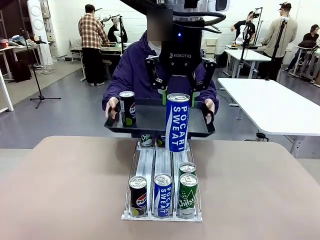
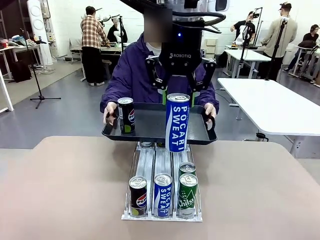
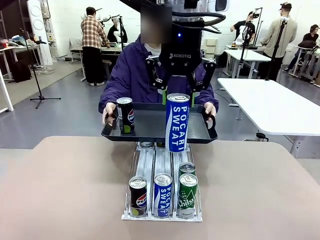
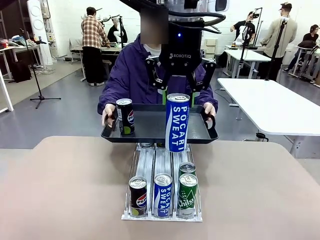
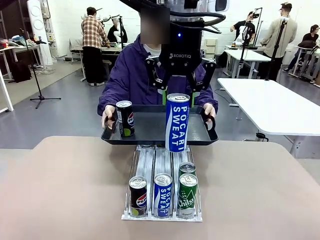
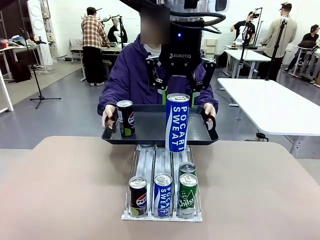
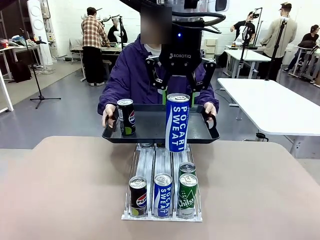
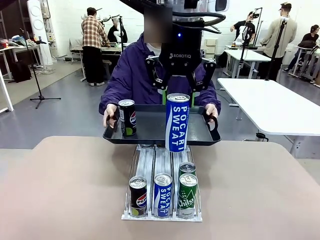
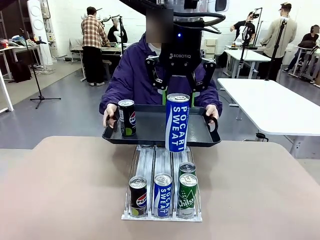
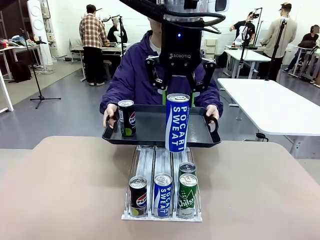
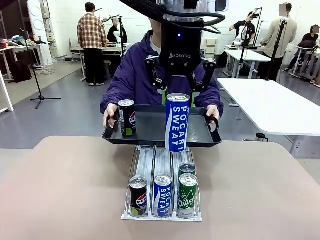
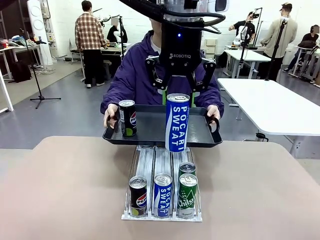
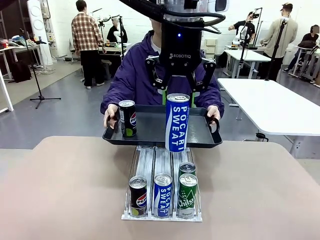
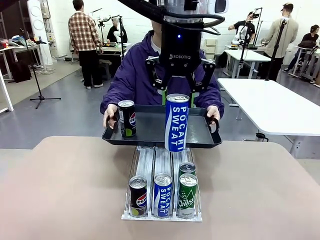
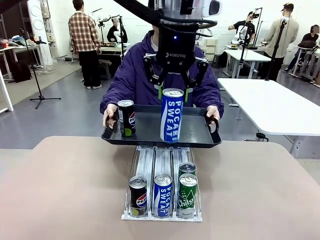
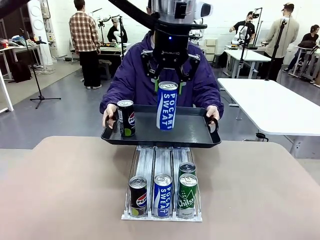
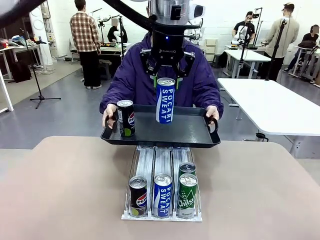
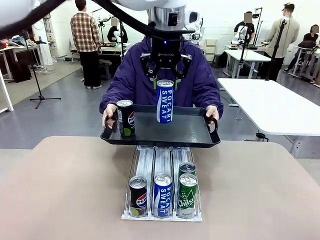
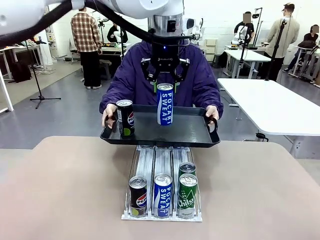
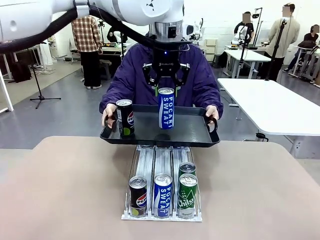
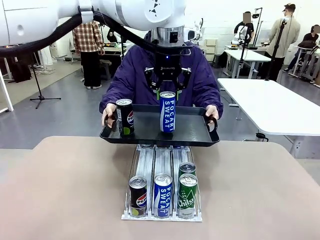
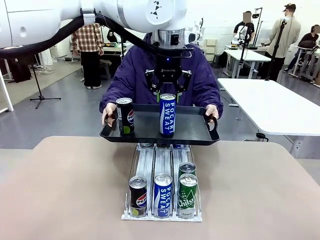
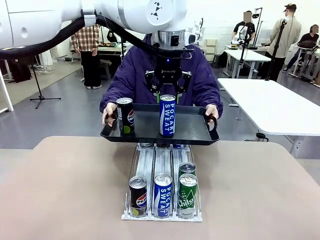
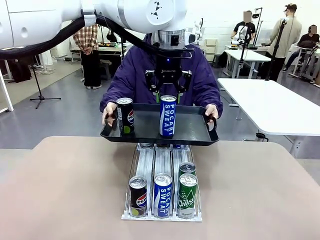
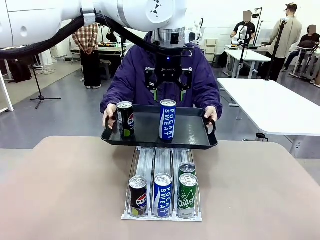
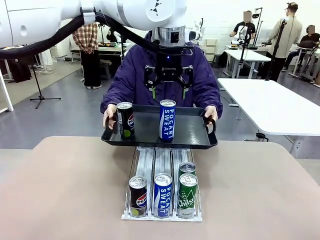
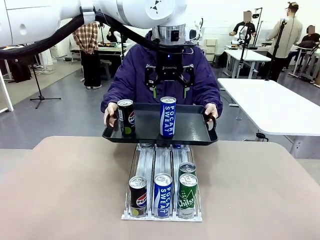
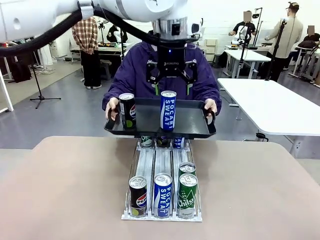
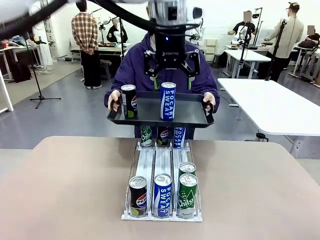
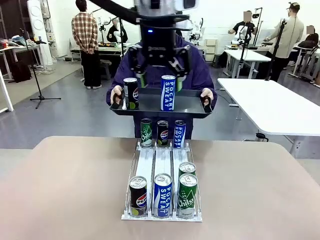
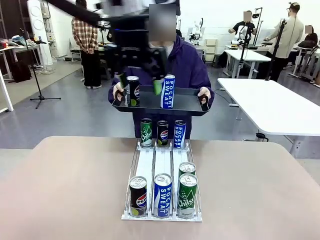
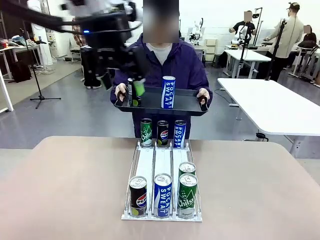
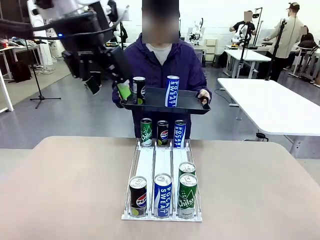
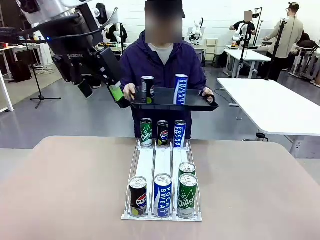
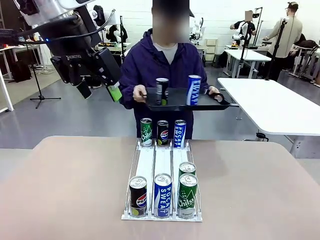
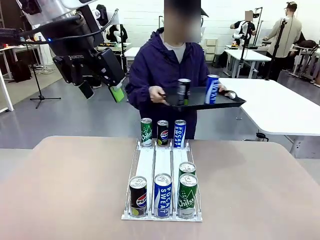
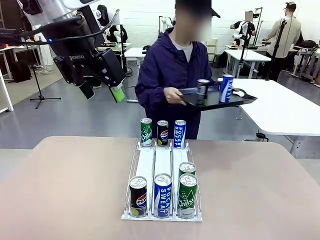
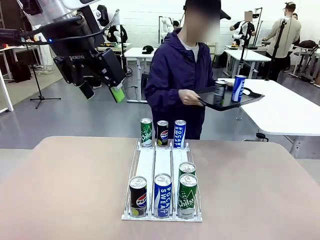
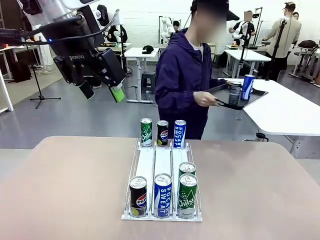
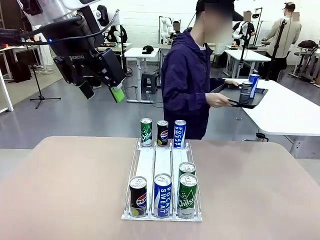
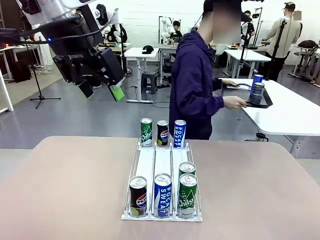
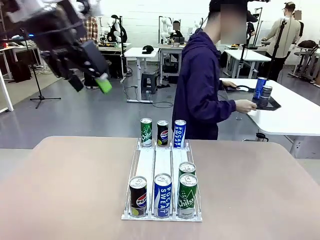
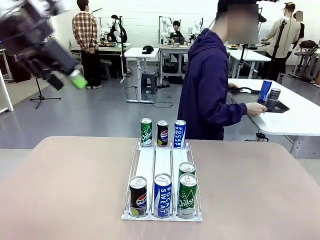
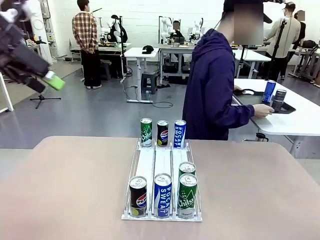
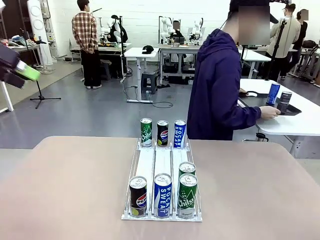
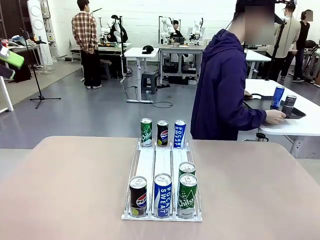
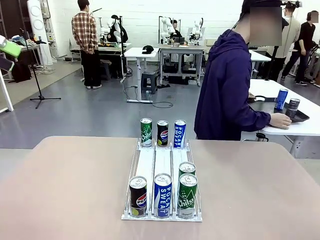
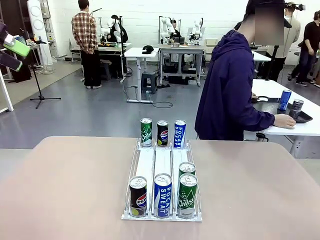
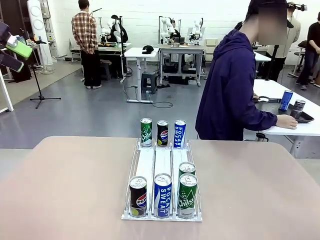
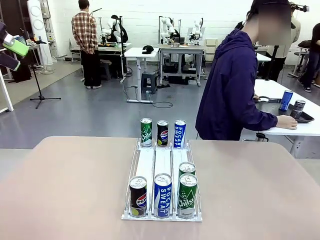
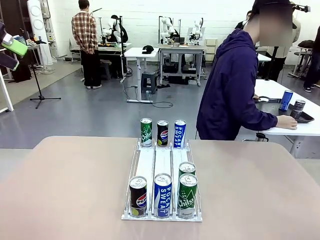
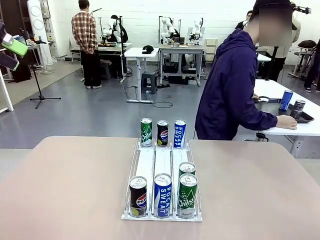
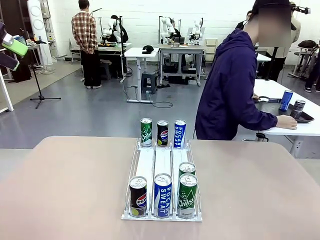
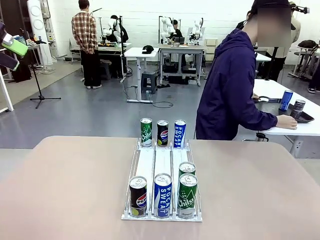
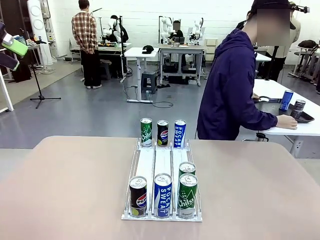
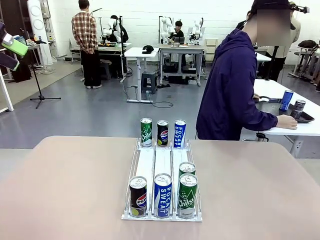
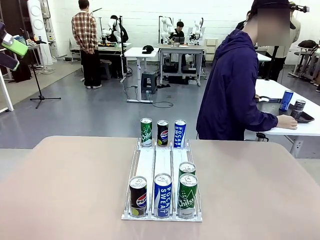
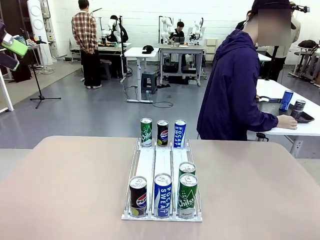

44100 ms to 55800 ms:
Task: Retrieve and hand over the desired beverage to the person.
Robot: Place the picked can on the Handle tray extended by the person.
Person: Pull the tray back and place it at the center of the human table.

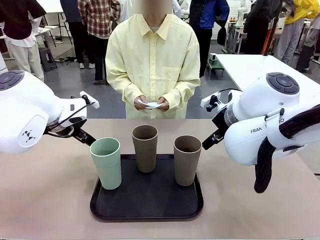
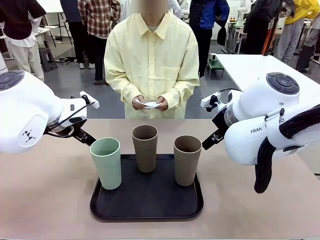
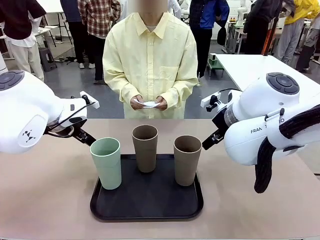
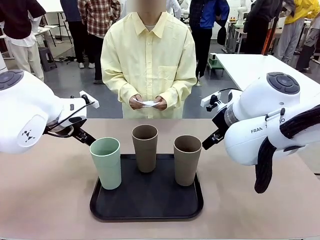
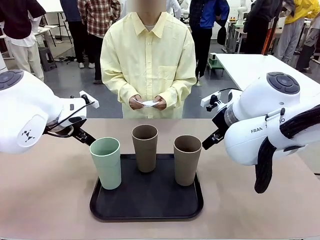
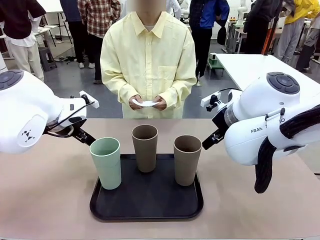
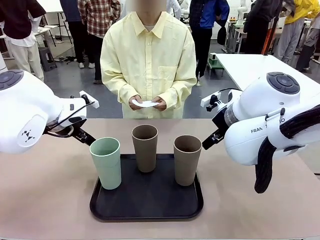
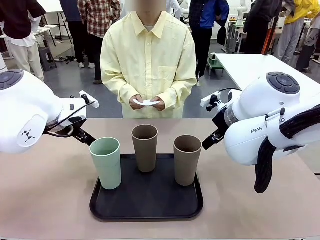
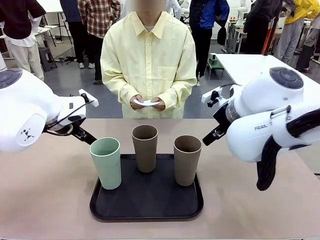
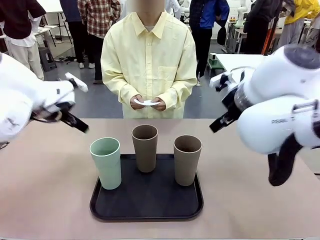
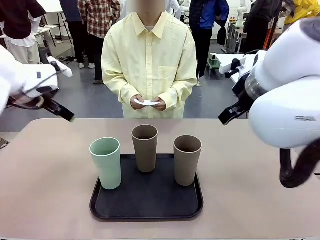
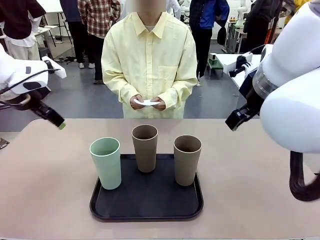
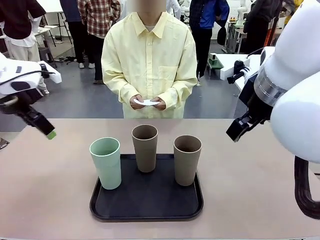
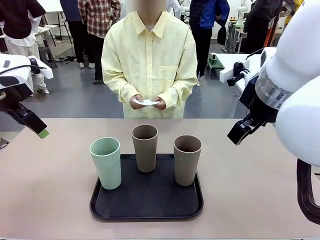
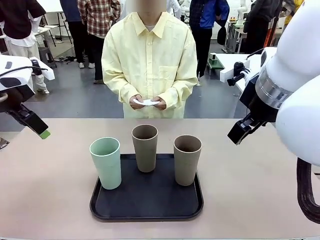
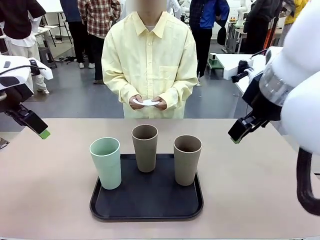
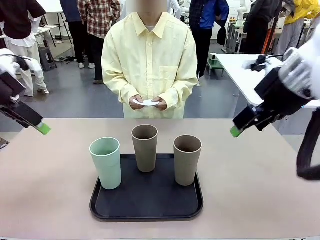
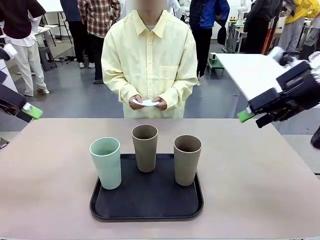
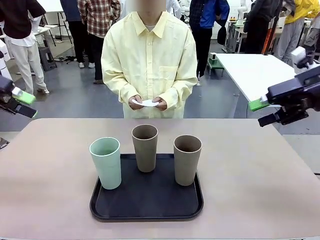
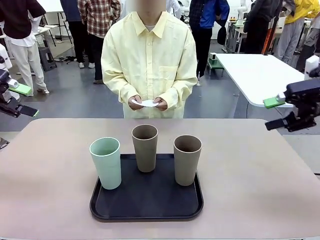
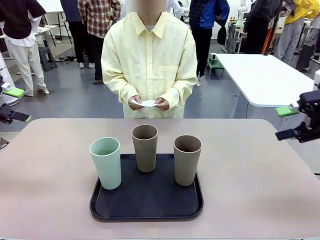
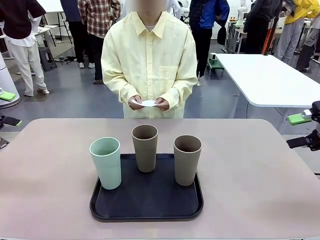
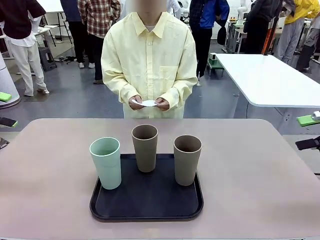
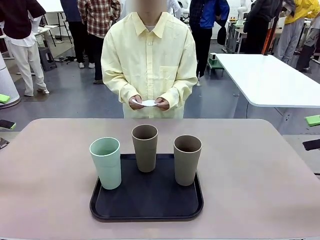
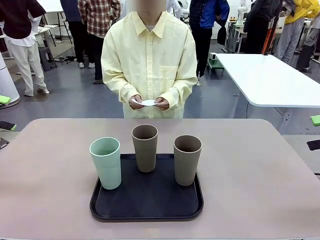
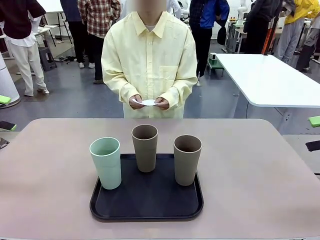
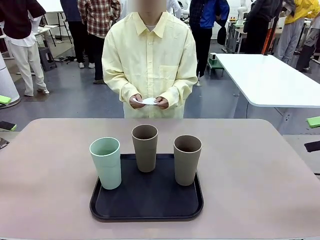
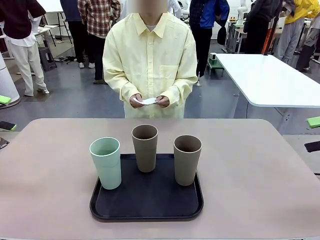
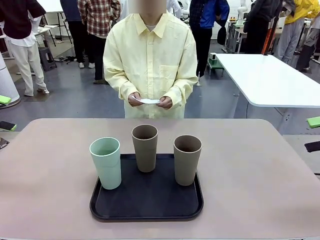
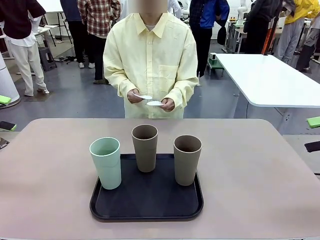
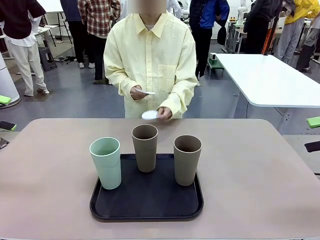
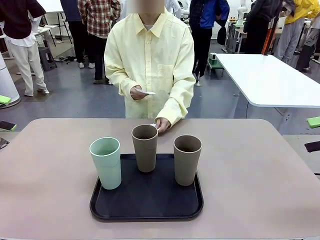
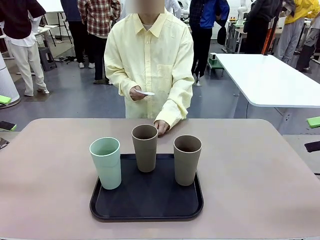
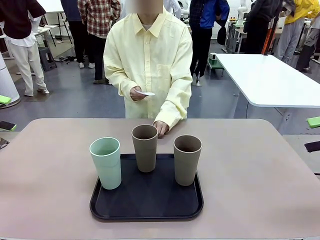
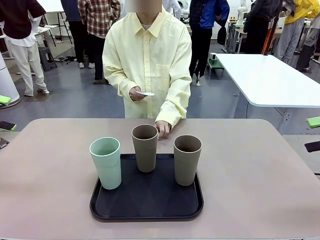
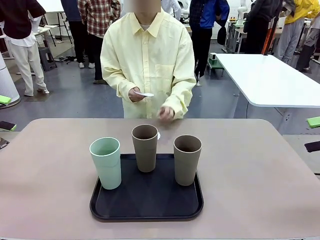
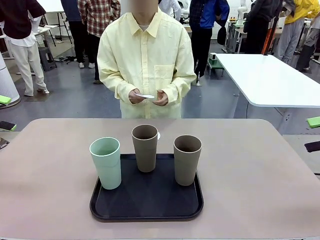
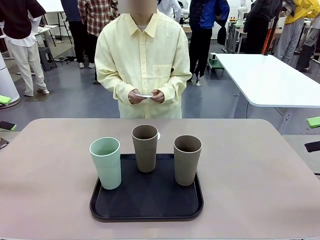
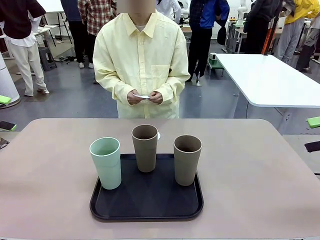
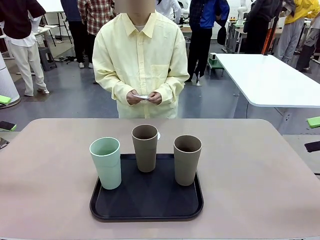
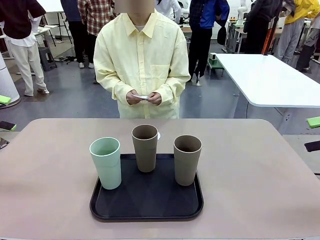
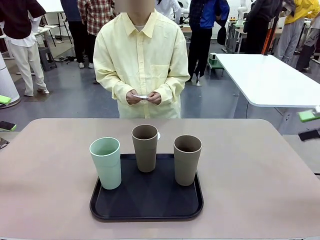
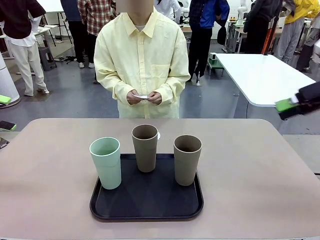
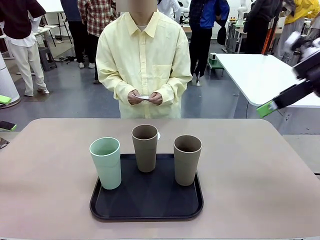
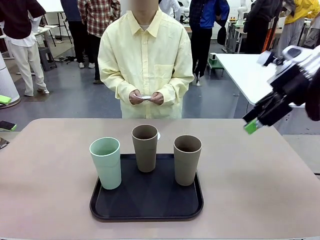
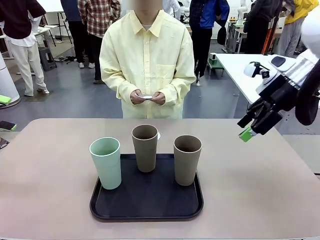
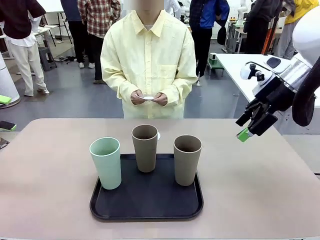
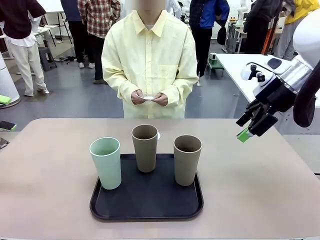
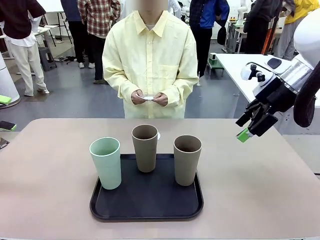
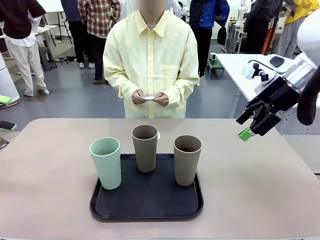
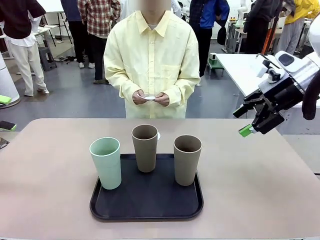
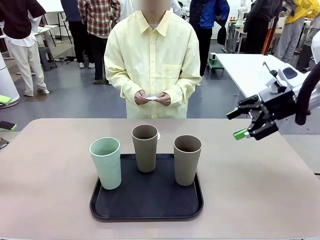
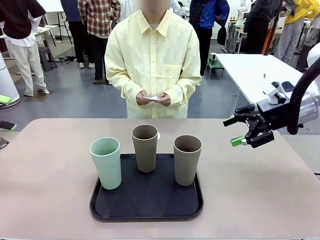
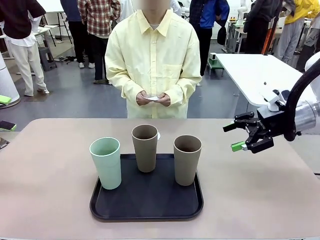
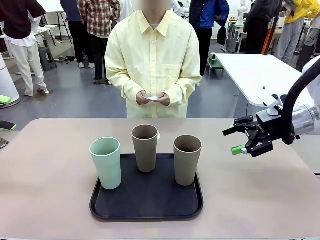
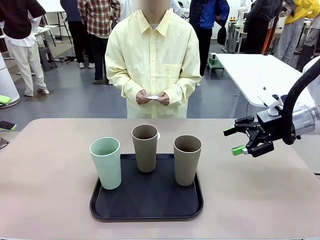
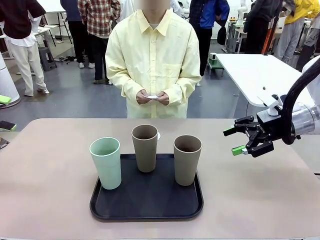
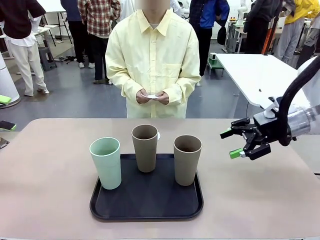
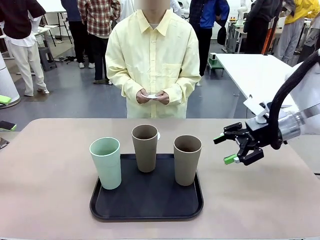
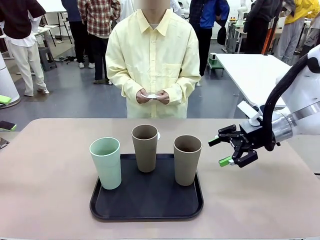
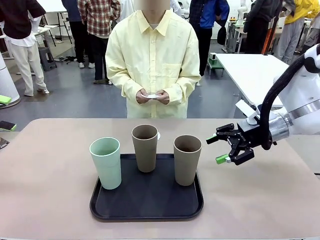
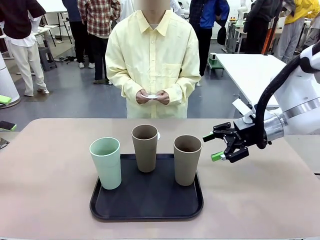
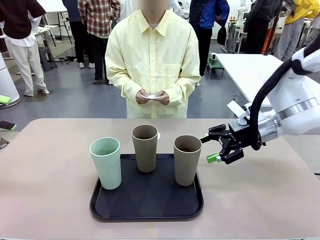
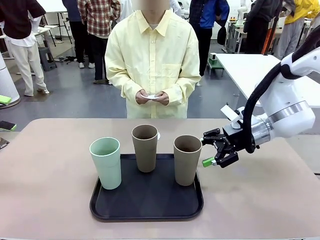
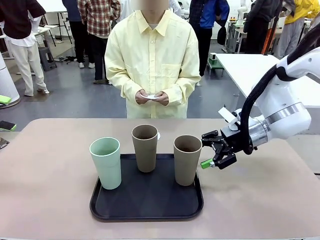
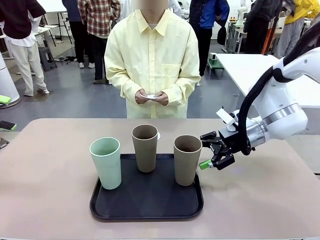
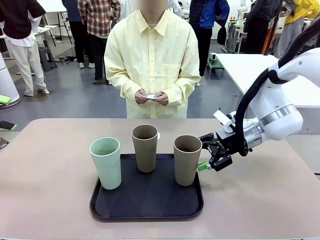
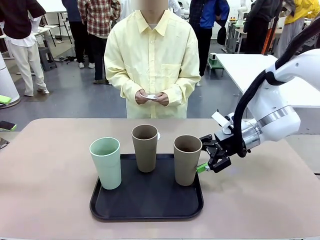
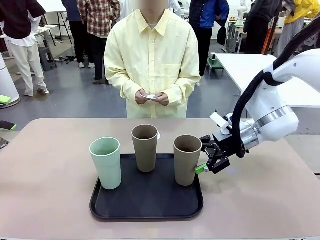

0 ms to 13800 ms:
Task: Place coasters on the table and set cups on them.
Robot: Pick up one Reusable plastic cup and place it on a coaster set by the human.
Person: Place one coaster in any one of the three lower areas of the robot table (left, center, or right).
